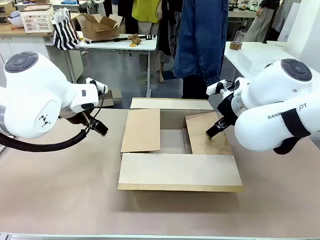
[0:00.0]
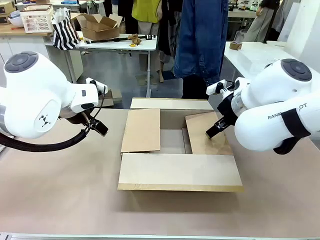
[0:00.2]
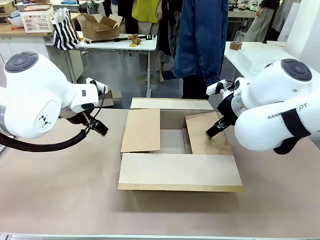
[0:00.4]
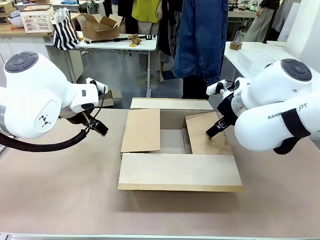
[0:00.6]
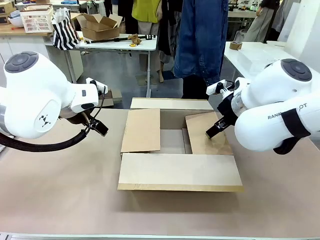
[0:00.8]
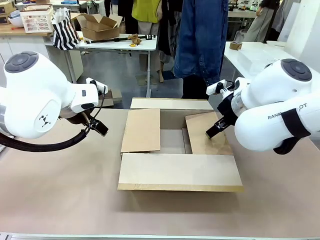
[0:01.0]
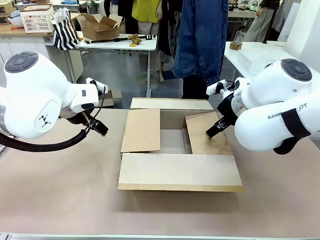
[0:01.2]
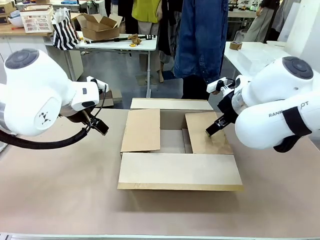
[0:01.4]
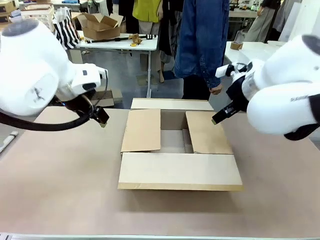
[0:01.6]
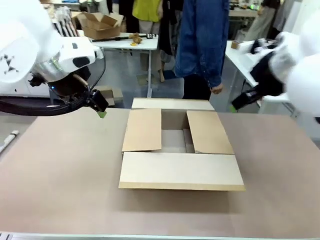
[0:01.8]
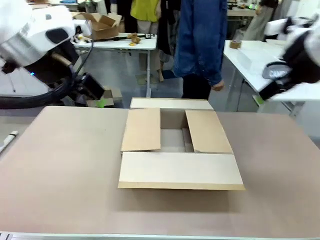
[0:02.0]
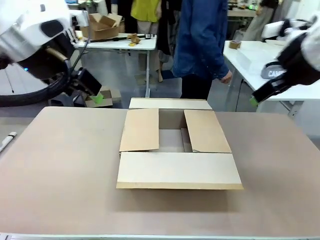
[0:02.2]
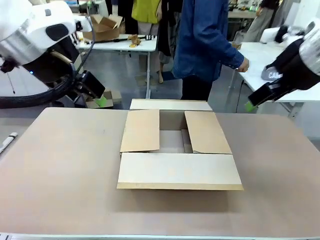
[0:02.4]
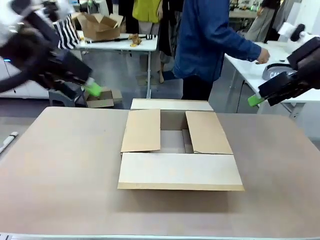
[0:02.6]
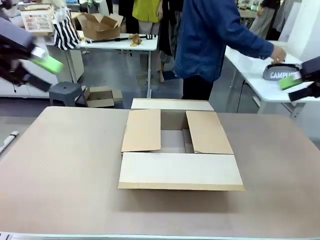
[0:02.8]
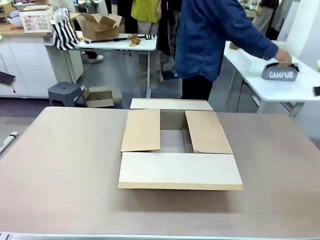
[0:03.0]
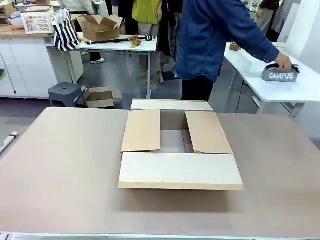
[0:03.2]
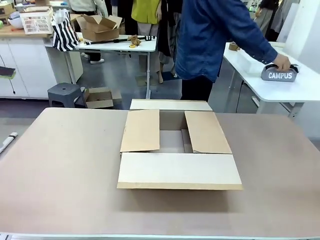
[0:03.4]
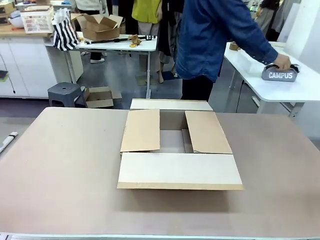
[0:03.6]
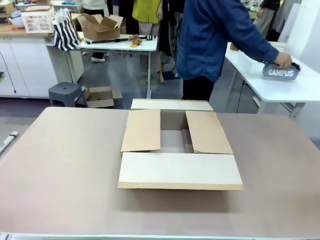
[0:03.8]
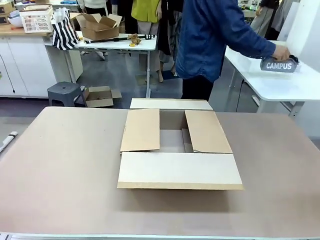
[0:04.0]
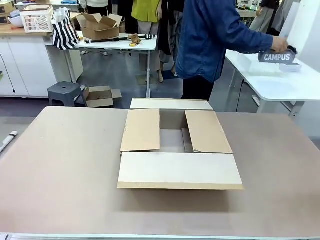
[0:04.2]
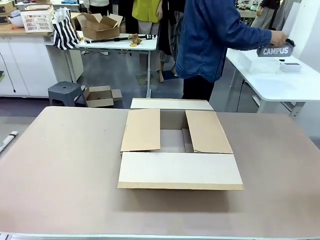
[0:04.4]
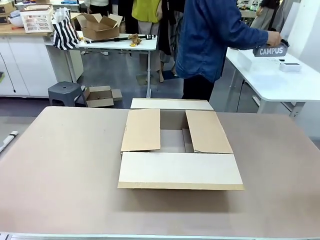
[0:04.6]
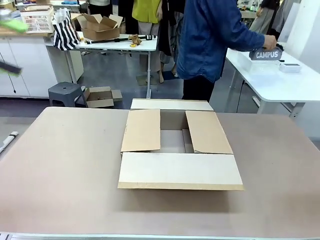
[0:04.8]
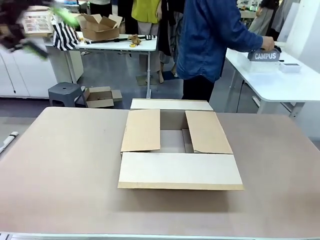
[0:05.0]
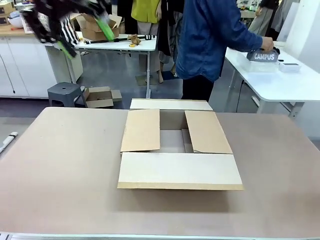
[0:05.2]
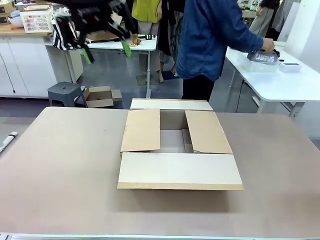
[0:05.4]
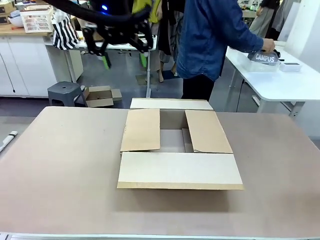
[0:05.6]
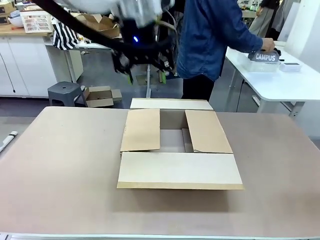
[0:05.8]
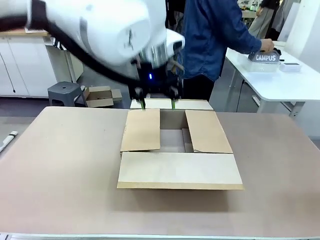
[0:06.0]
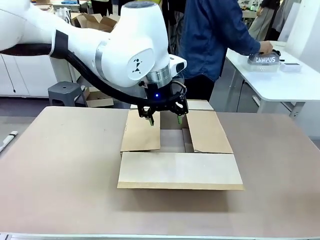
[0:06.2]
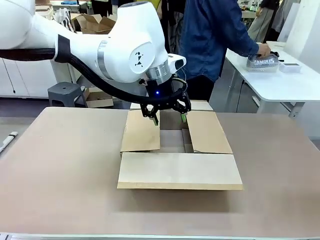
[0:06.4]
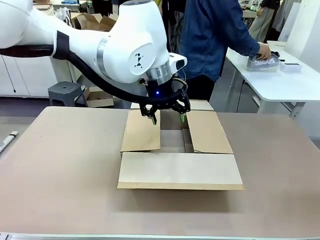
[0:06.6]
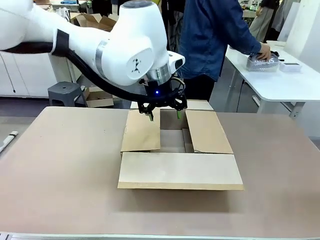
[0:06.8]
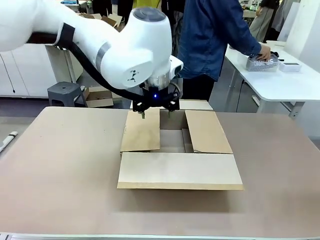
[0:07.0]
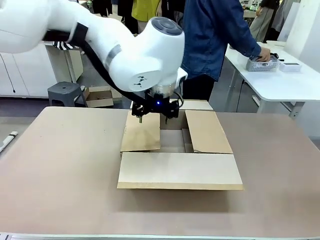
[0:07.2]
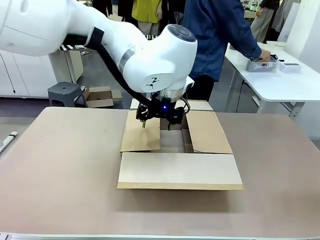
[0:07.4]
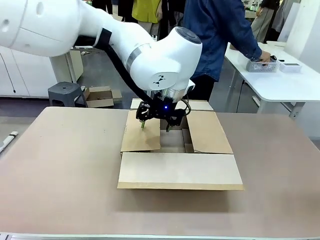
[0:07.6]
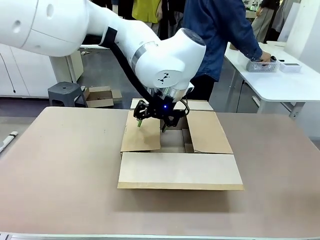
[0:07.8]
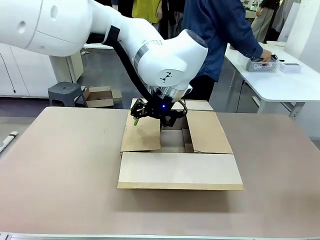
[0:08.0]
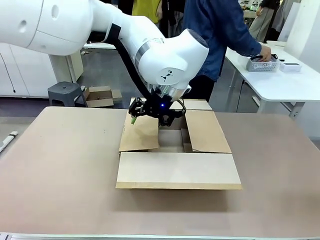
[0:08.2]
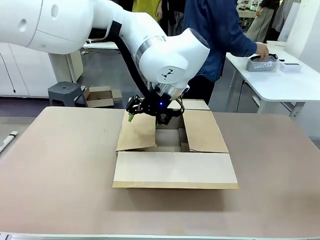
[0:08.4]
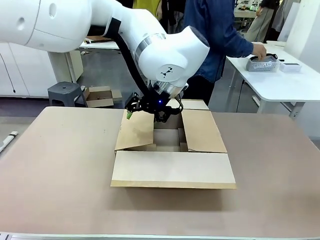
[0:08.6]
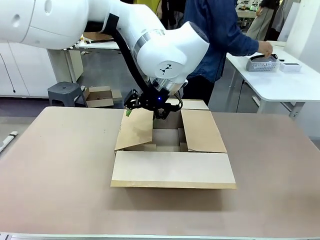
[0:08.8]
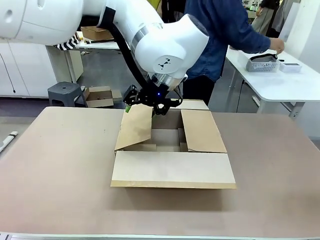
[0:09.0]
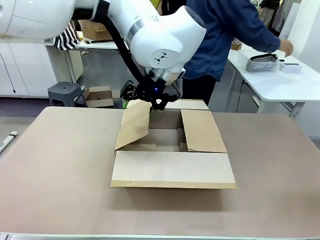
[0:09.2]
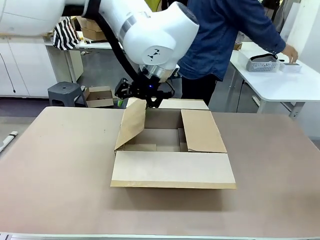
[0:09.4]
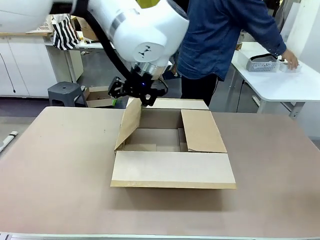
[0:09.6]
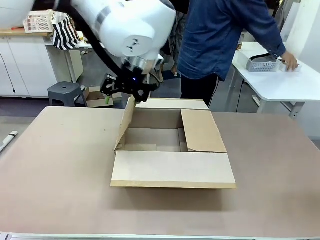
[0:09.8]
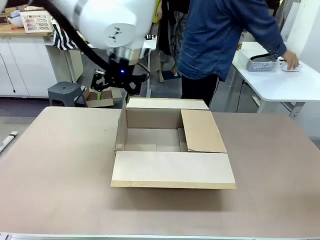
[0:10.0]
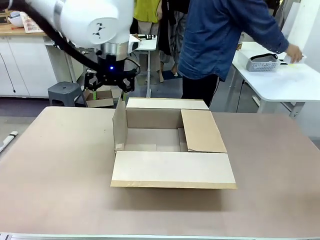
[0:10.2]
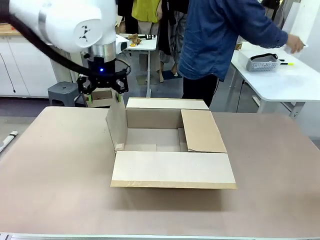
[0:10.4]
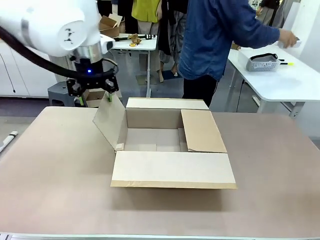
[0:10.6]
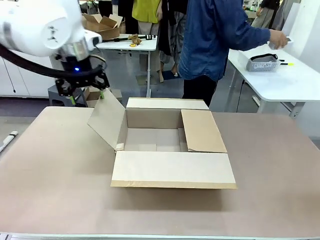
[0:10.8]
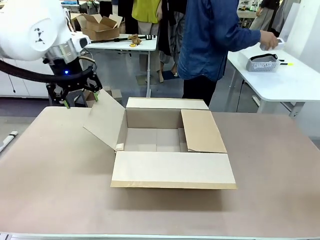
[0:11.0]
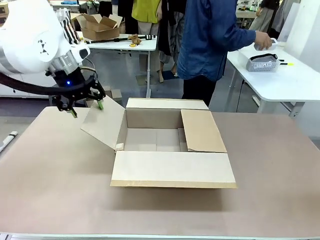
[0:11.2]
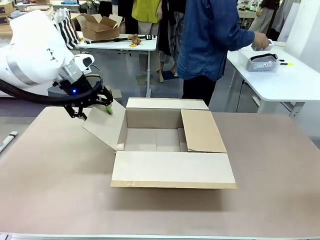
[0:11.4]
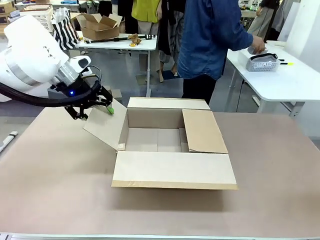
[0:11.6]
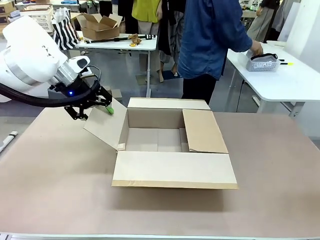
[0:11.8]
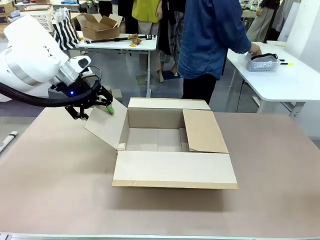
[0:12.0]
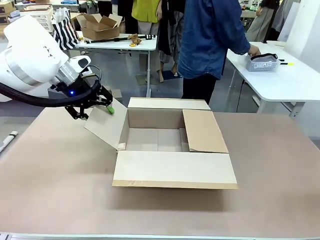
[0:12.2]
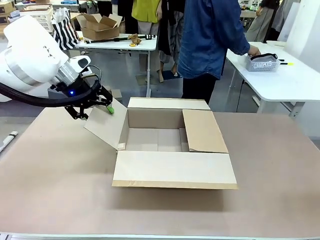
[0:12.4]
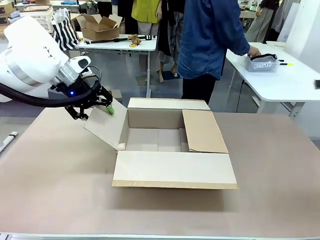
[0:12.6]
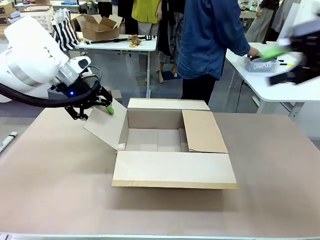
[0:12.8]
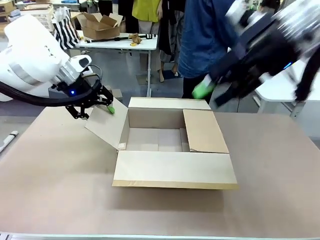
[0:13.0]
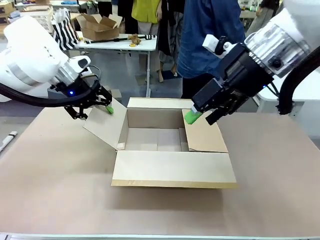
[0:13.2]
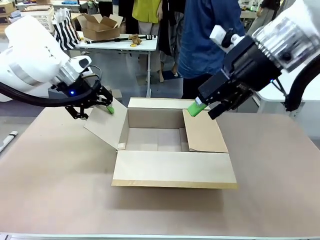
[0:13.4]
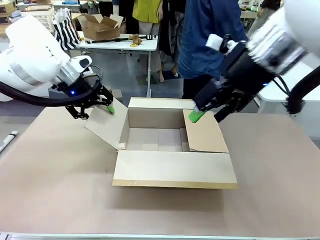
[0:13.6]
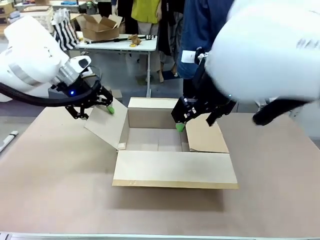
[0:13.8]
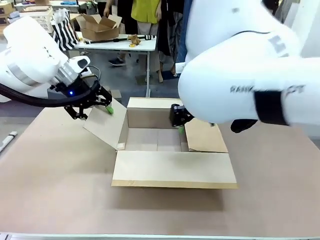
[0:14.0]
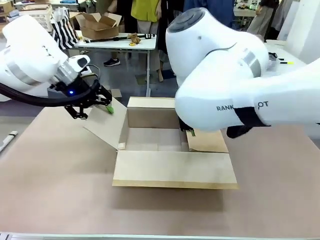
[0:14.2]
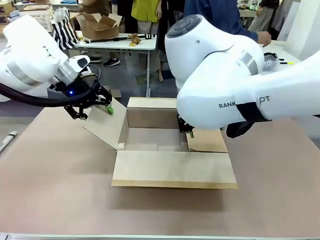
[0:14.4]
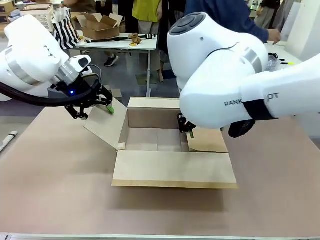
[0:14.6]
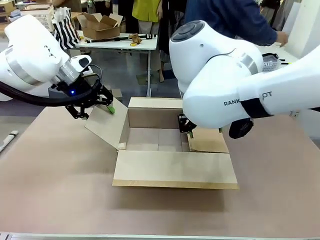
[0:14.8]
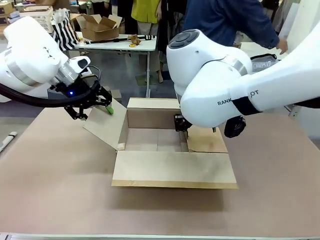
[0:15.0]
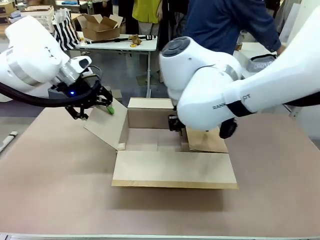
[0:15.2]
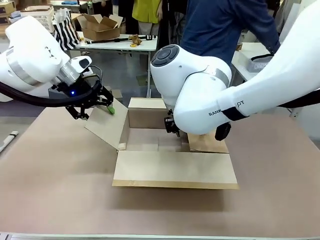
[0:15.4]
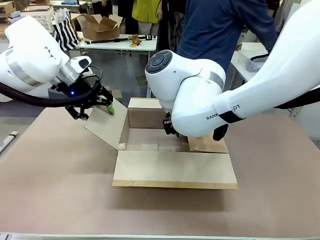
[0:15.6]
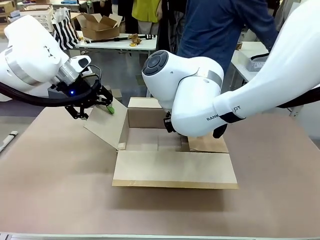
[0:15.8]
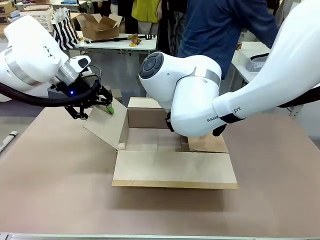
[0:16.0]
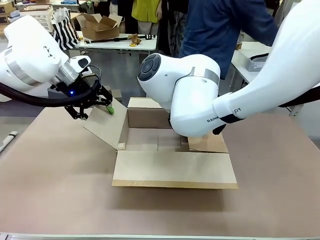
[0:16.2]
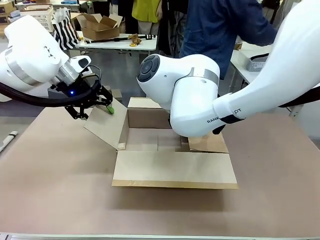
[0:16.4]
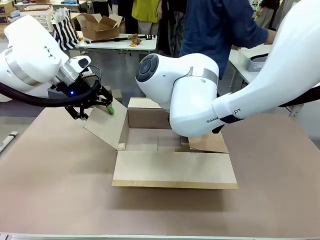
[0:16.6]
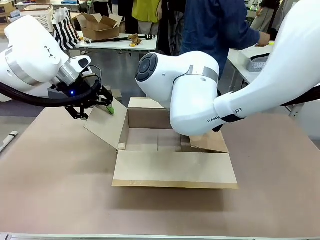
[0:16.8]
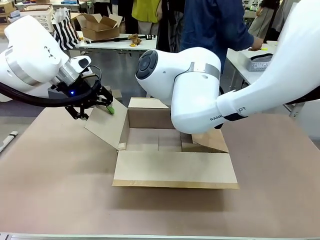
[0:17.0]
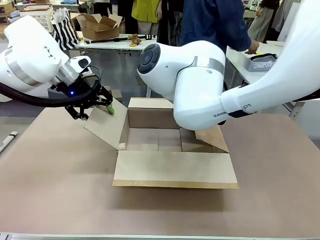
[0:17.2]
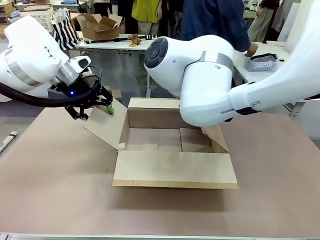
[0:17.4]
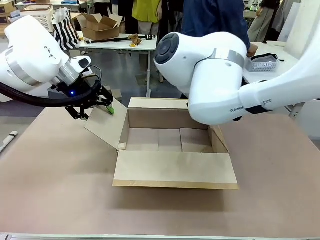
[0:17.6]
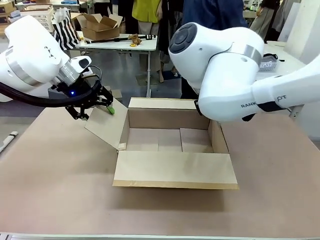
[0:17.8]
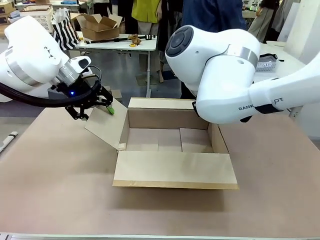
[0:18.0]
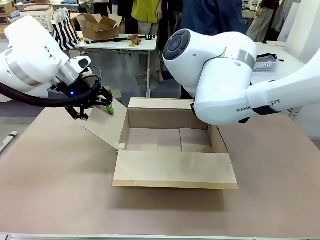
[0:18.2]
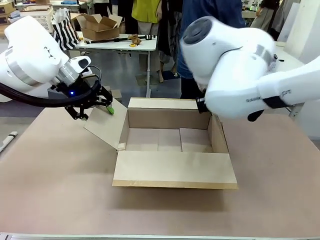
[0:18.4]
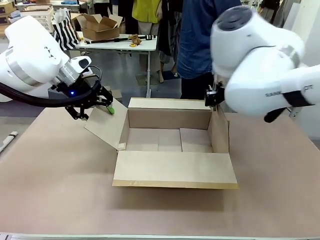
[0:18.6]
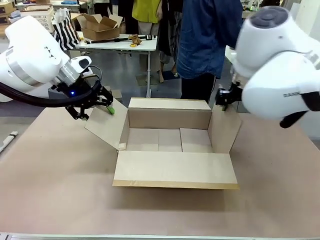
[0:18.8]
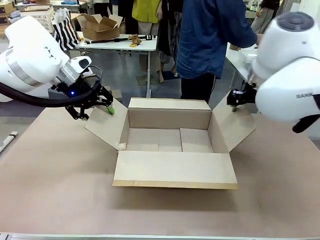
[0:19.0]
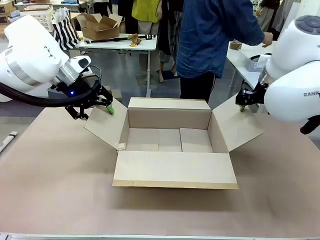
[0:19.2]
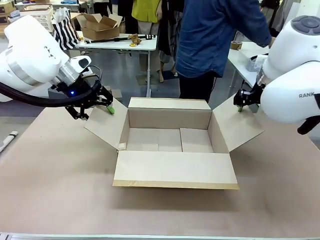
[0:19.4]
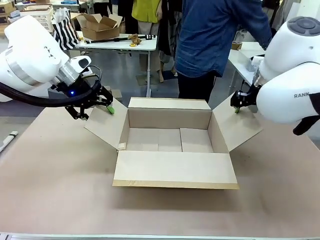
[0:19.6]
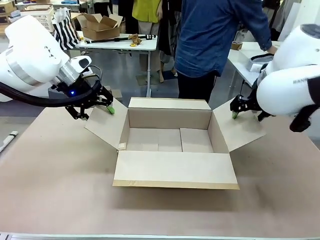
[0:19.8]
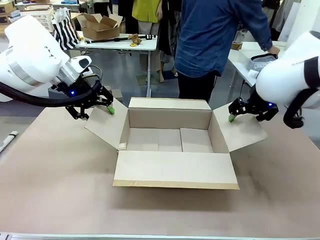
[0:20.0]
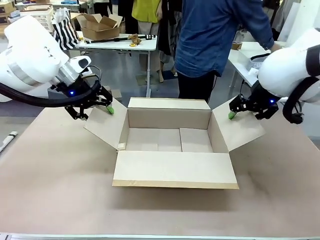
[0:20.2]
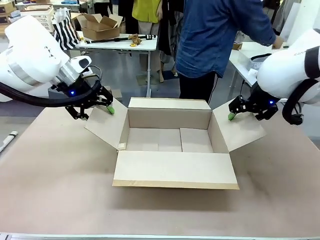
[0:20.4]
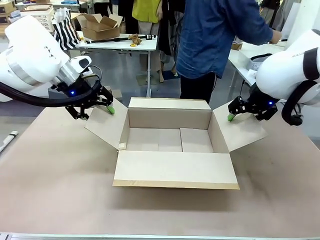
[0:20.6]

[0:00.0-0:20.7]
Task: Pack the gift set into the box.
Robot: Place both hands on the side flaps of the Package Box and spread them outward.
Person: The human places all items except the paper tape into the organizing basket.
